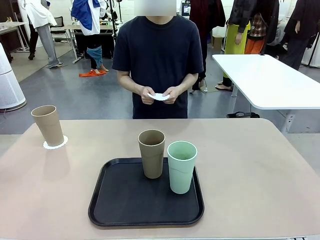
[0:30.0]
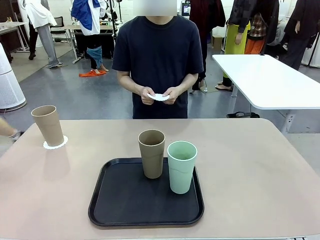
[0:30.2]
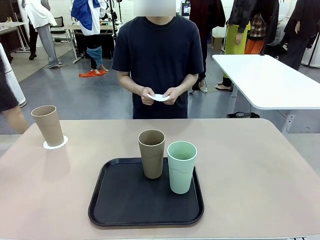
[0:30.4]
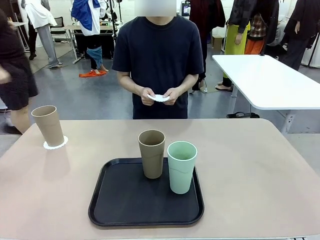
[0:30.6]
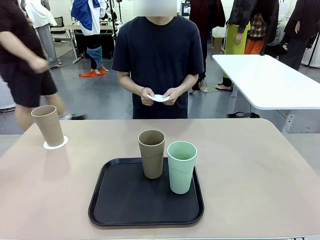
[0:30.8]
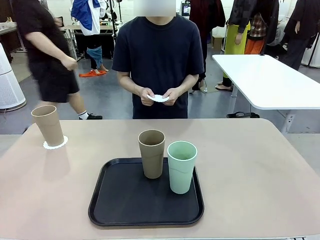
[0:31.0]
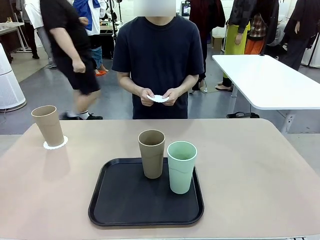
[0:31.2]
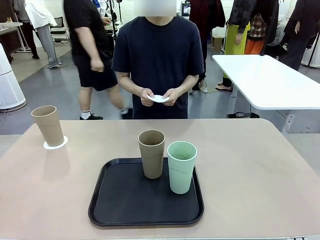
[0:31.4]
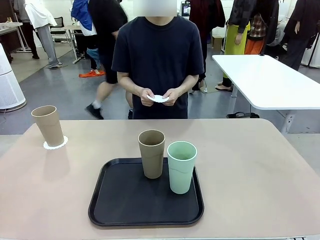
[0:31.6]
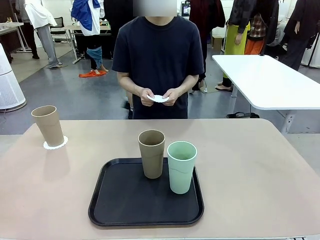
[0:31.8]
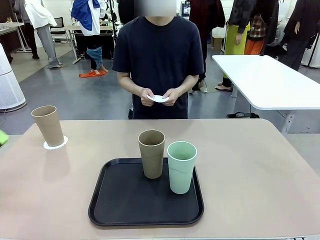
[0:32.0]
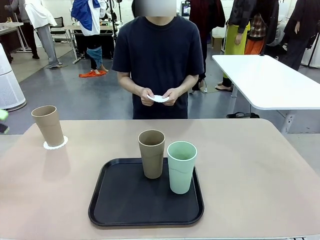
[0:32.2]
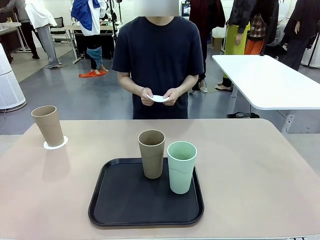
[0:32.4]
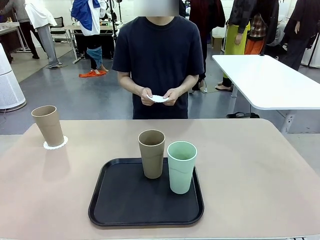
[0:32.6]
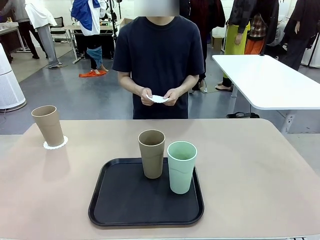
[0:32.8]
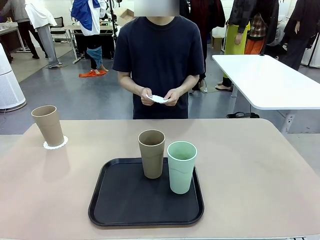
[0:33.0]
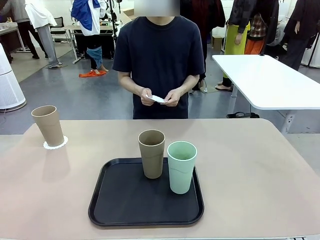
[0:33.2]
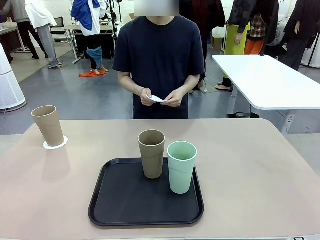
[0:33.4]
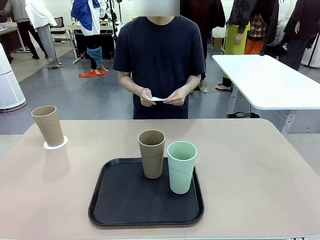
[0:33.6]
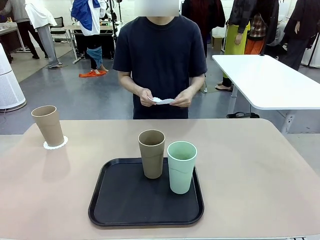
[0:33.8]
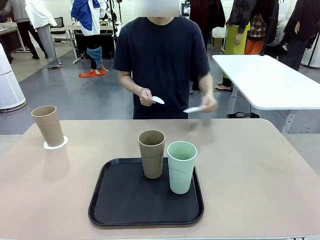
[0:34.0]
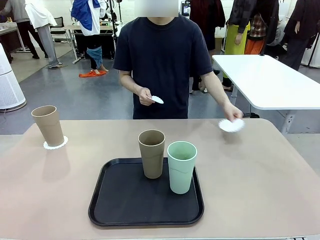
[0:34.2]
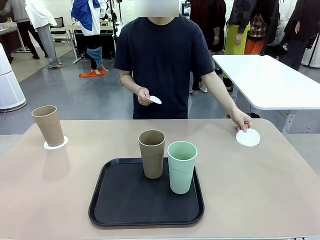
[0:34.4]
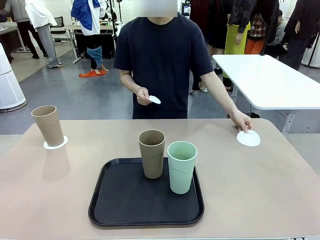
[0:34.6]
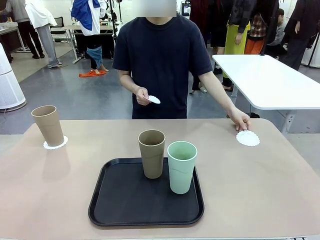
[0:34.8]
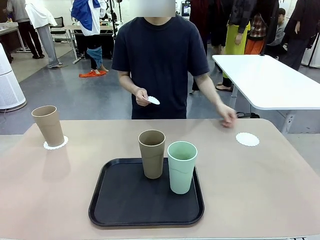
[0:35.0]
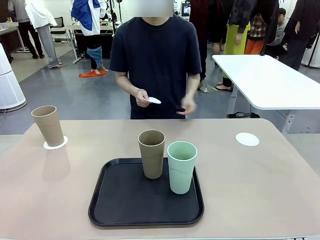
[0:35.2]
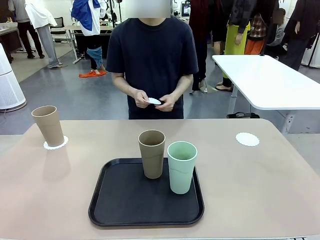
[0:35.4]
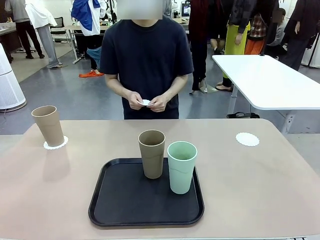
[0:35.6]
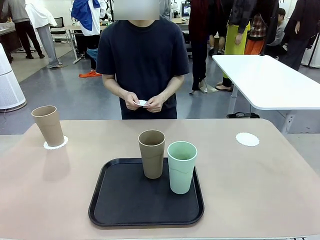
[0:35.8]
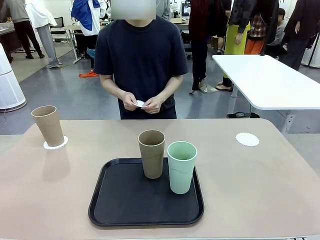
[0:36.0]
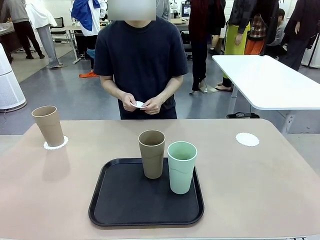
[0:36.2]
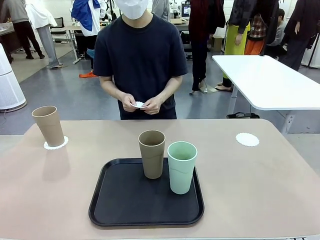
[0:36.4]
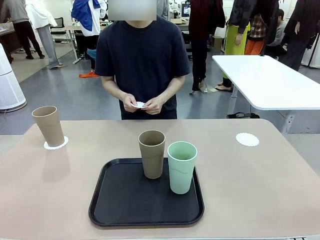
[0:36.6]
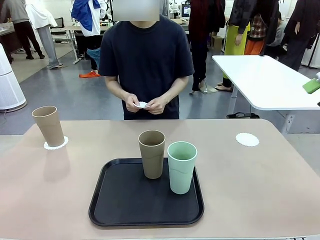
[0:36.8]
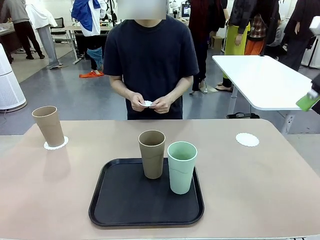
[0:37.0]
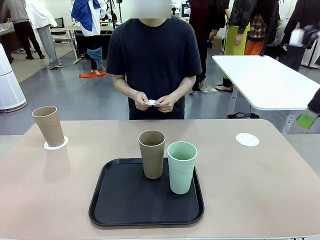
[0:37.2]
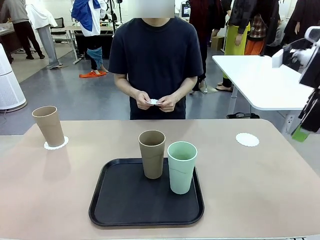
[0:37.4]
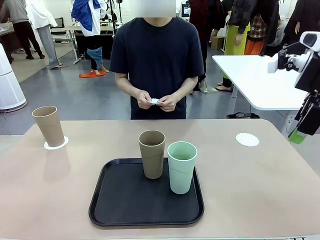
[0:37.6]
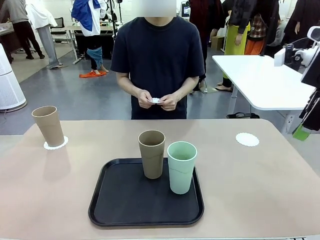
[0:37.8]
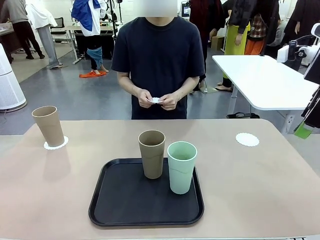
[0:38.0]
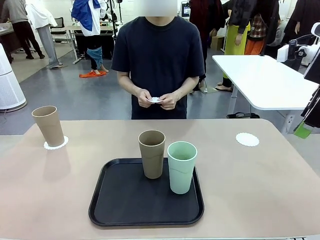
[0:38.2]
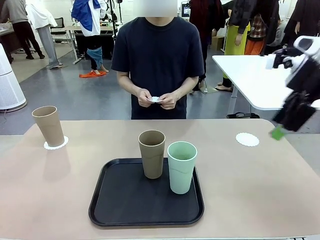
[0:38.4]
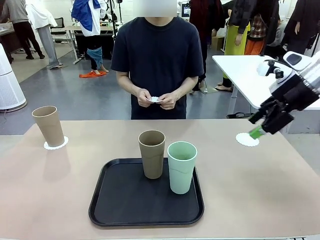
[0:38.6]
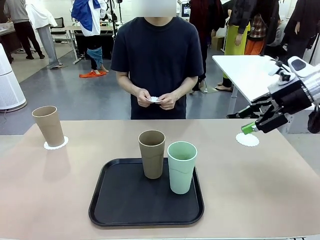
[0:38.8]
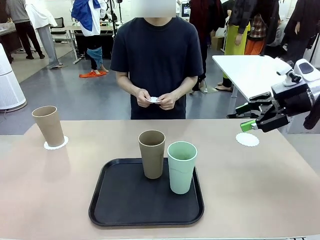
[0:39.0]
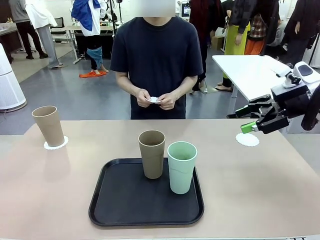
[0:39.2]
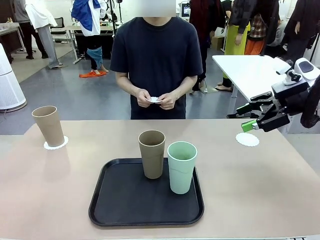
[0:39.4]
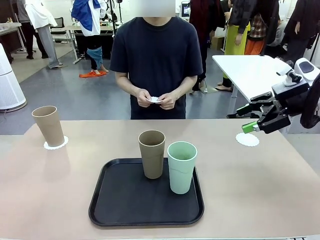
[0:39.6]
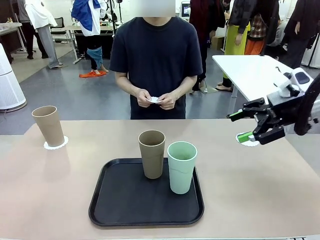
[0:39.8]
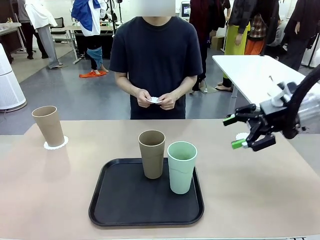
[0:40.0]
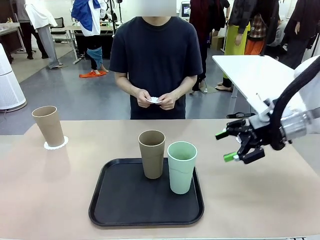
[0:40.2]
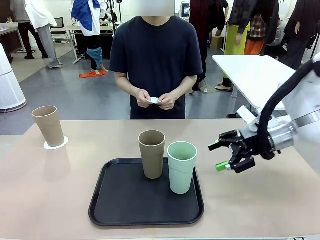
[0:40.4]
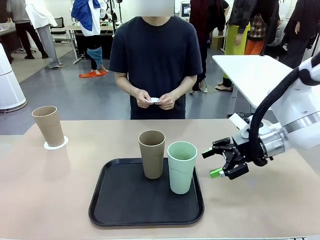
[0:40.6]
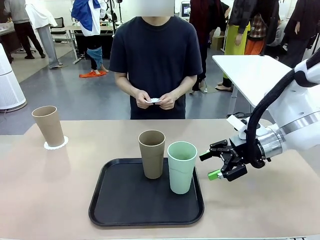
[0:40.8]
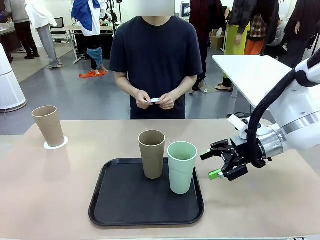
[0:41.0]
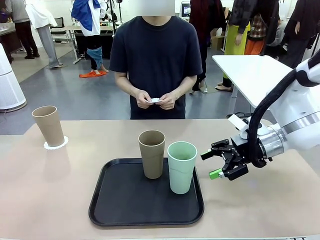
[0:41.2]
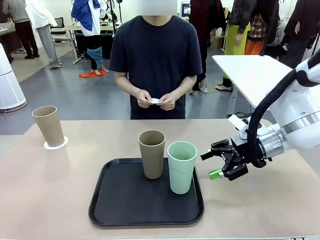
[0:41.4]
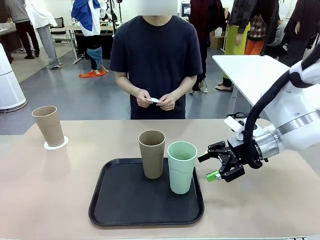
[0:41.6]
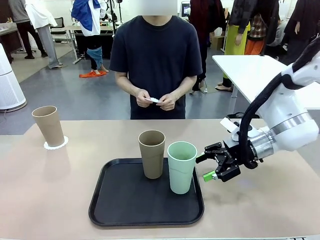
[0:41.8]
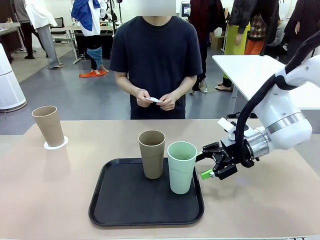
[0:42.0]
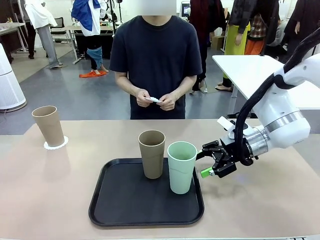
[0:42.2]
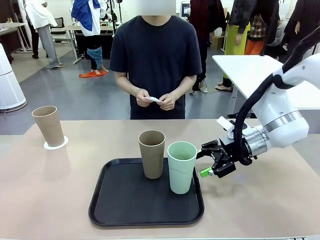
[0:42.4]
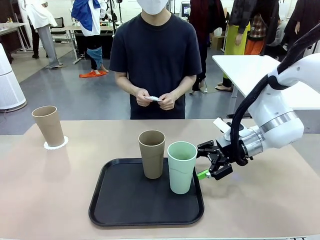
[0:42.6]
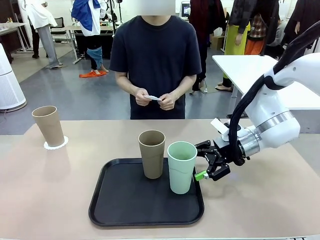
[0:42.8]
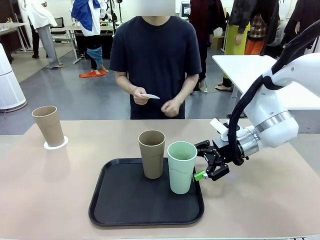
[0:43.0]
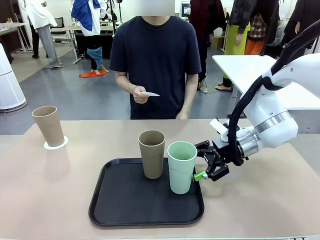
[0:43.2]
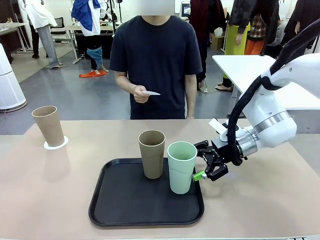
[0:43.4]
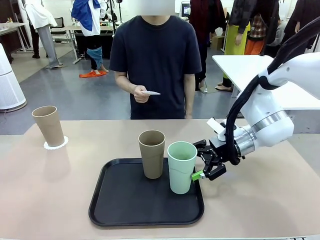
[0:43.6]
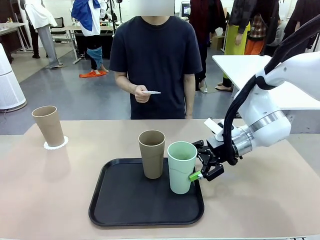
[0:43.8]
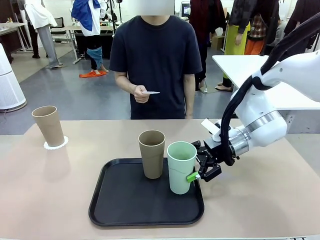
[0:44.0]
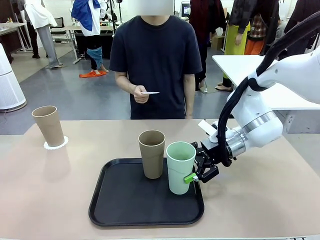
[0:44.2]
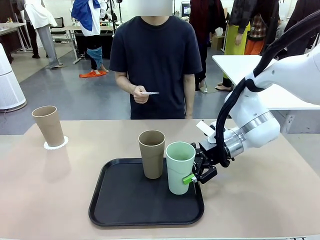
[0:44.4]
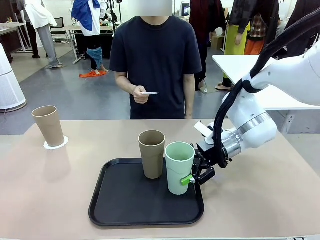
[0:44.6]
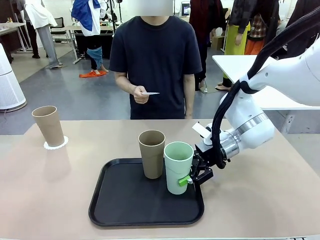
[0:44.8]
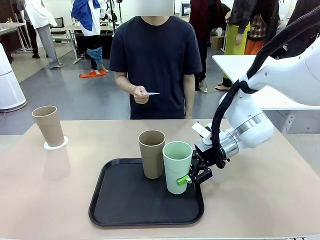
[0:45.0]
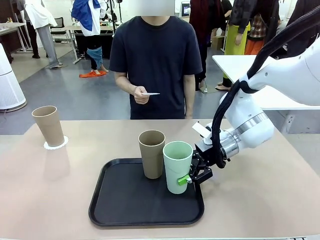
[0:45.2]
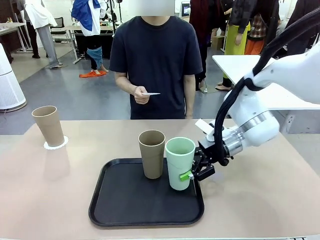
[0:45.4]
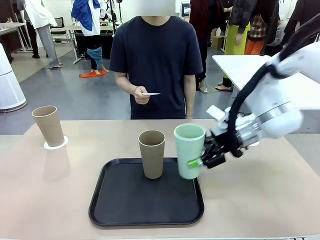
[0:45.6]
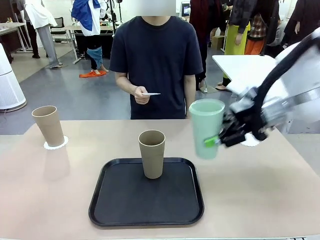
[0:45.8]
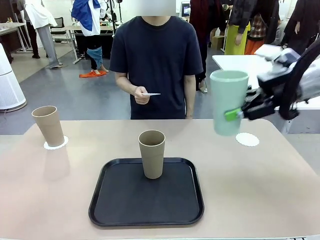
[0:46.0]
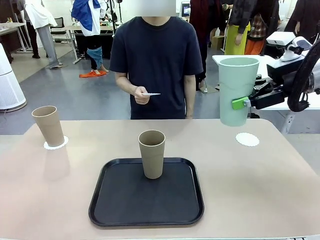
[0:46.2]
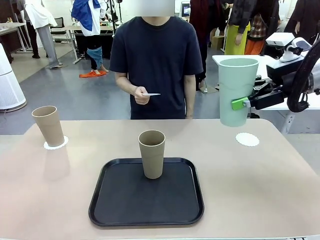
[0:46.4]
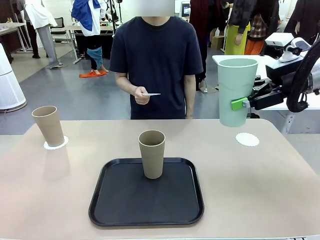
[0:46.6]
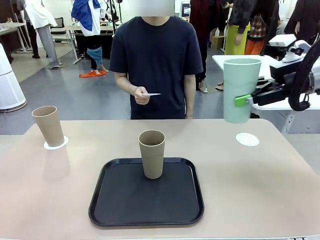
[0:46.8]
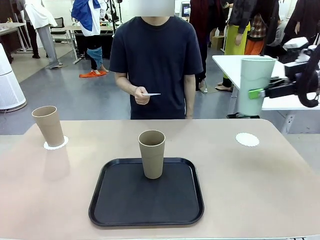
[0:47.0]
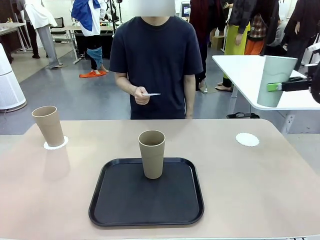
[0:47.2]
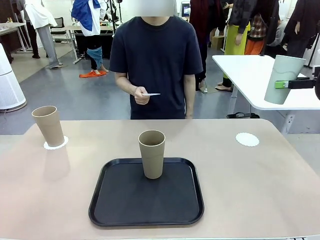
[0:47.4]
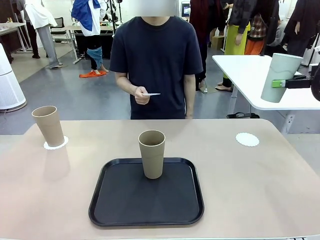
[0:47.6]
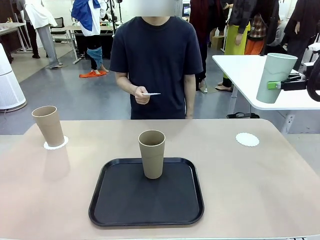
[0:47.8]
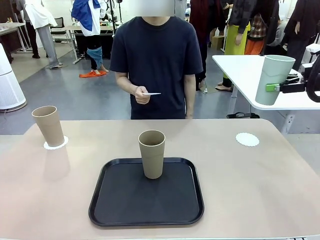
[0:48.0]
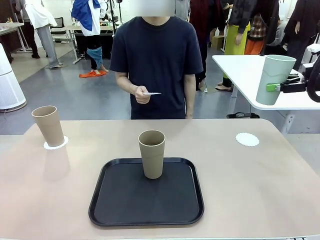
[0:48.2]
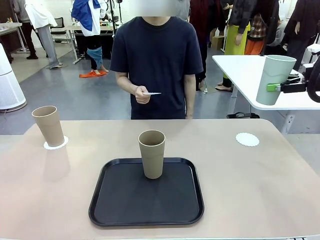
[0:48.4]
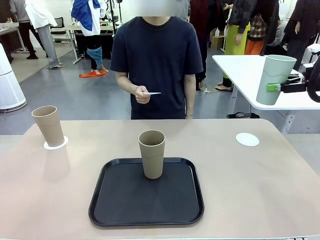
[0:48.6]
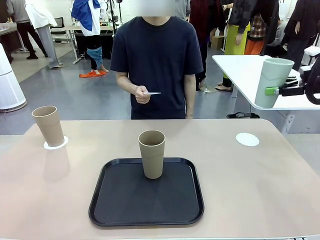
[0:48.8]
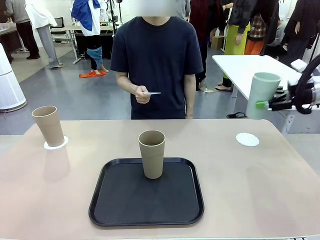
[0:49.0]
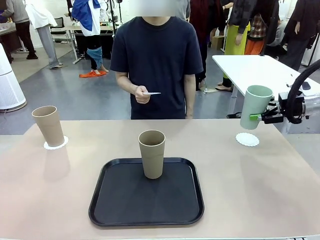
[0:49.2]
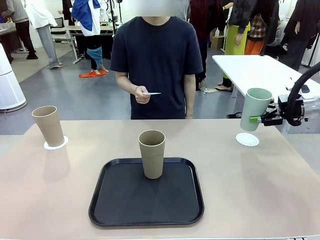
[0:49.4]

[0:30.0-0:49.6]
Task: Place coasters on the table and set cups on them.
Robot: Take one Reusable plastic cup from the Flat Tray and place it on a coaster set by the human.
